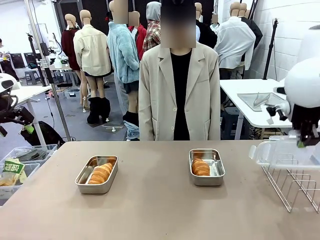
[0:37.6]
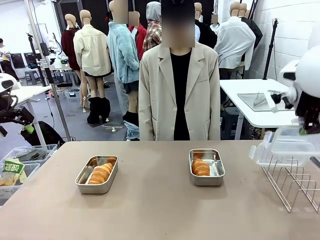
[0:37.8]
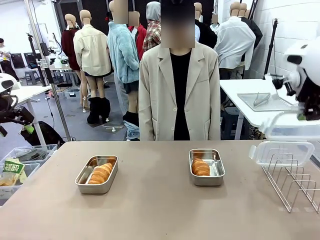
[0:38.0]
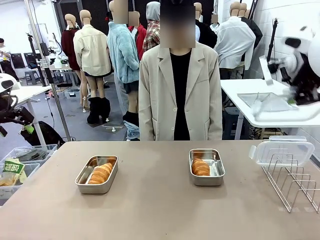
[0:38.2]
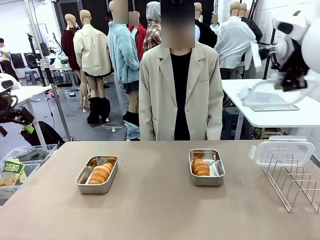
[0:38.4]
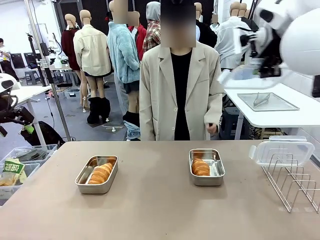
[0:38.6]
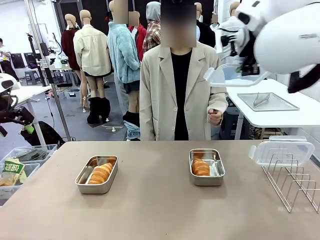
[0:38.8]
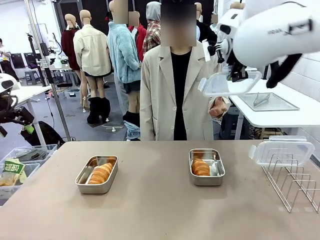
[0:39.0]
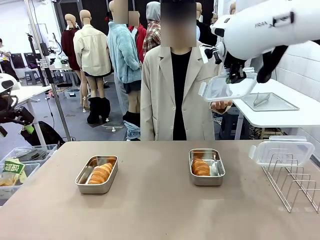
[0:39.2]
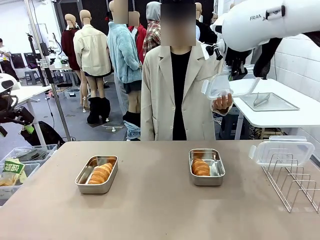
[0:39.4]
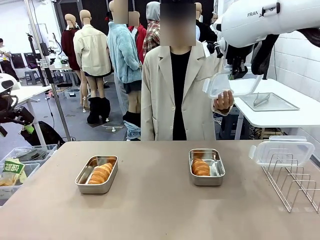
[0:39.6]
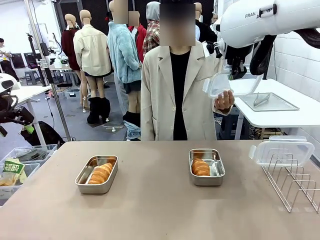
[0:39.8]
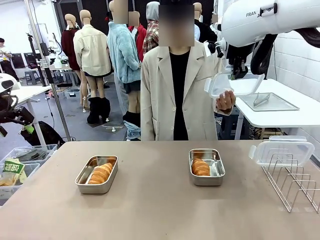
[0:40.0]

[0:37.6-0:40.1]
Task: Place the bread in airtight containers.
Robot: Release when the human grabs the Airtight Container lid.

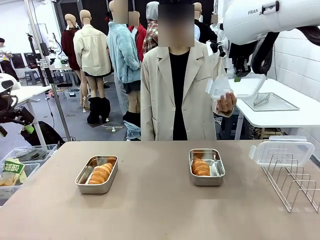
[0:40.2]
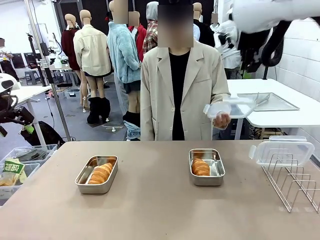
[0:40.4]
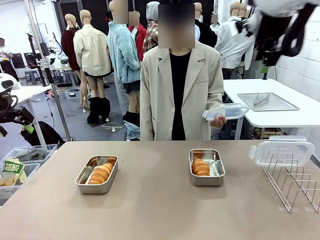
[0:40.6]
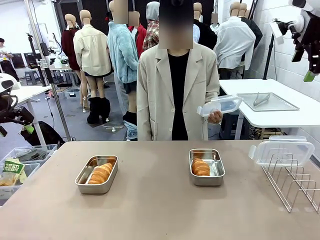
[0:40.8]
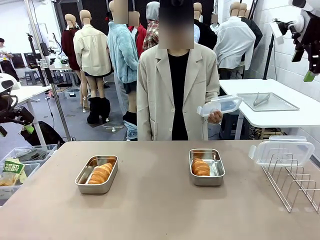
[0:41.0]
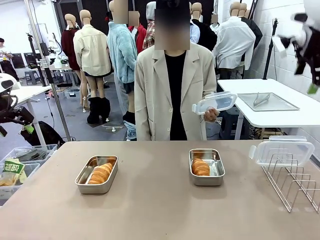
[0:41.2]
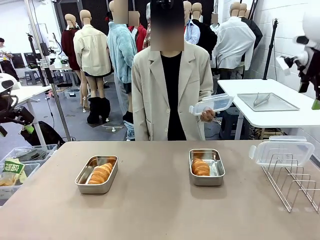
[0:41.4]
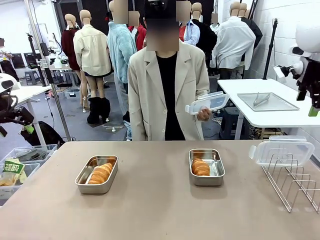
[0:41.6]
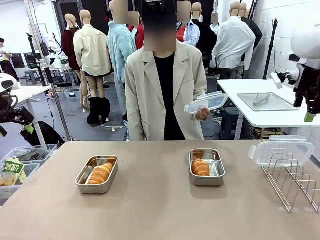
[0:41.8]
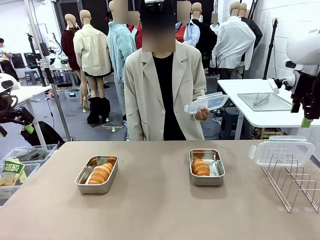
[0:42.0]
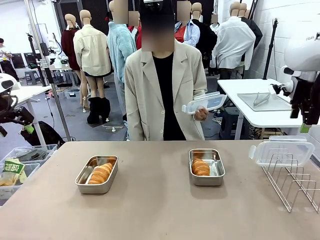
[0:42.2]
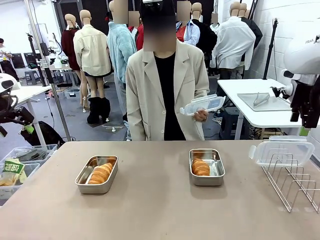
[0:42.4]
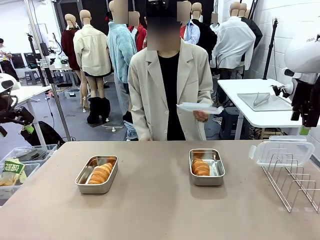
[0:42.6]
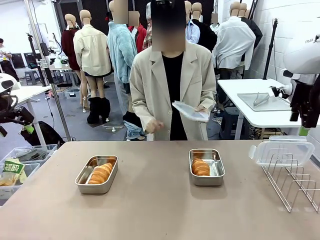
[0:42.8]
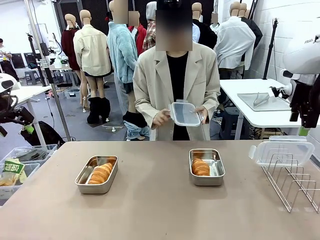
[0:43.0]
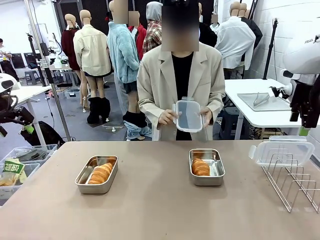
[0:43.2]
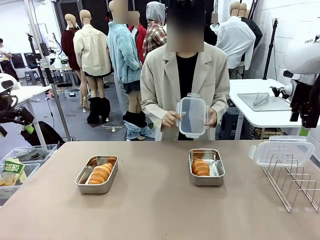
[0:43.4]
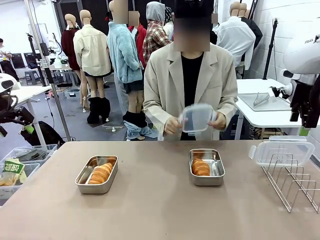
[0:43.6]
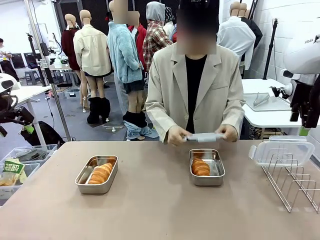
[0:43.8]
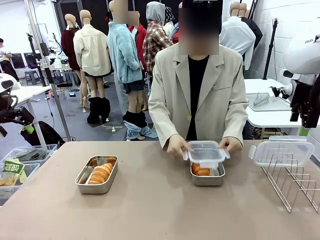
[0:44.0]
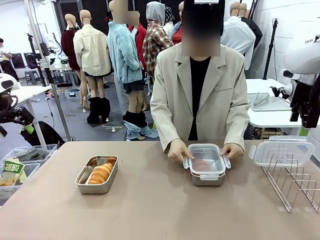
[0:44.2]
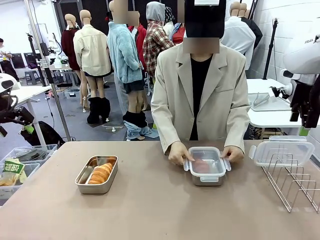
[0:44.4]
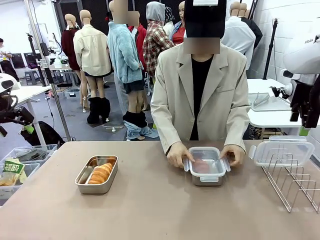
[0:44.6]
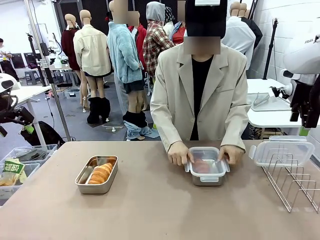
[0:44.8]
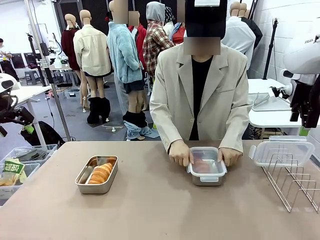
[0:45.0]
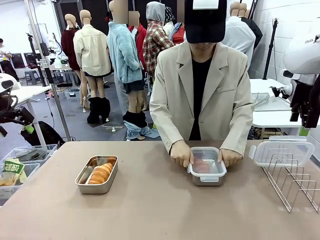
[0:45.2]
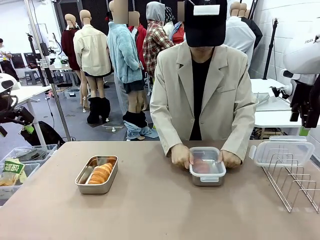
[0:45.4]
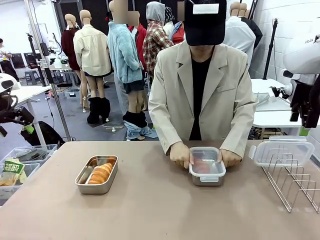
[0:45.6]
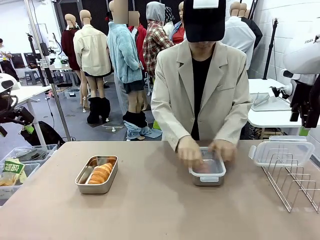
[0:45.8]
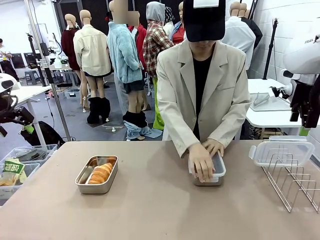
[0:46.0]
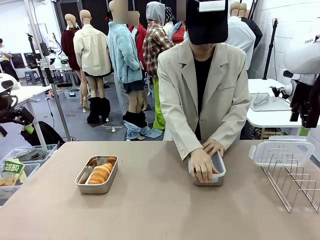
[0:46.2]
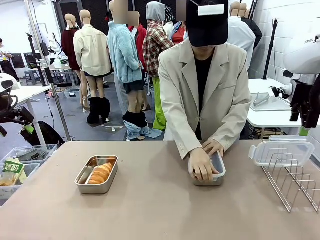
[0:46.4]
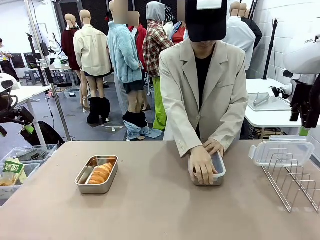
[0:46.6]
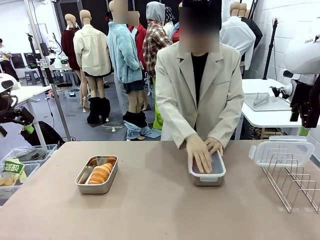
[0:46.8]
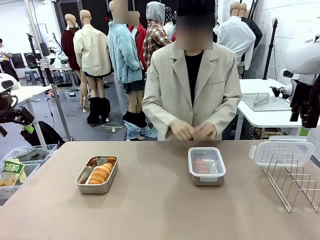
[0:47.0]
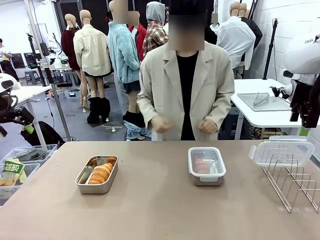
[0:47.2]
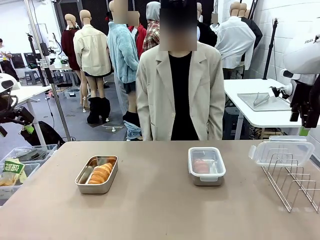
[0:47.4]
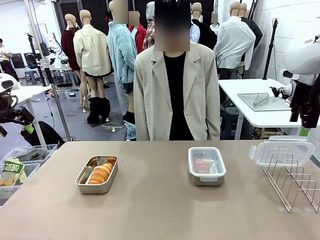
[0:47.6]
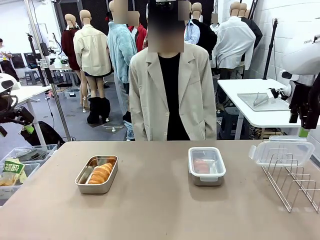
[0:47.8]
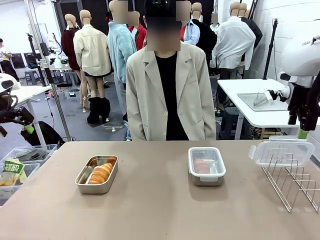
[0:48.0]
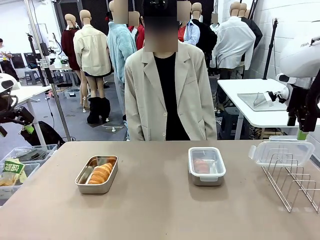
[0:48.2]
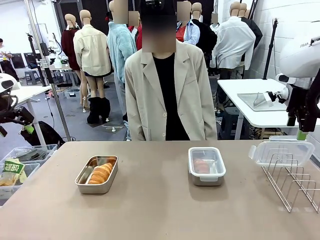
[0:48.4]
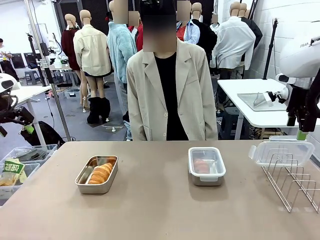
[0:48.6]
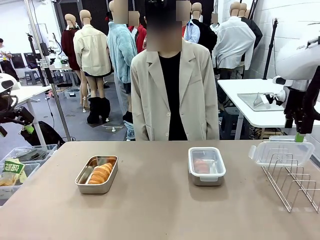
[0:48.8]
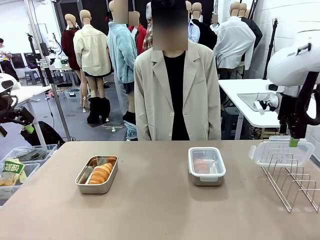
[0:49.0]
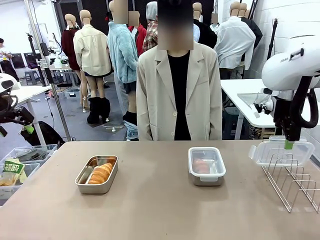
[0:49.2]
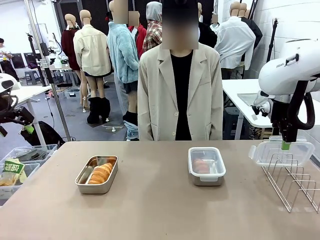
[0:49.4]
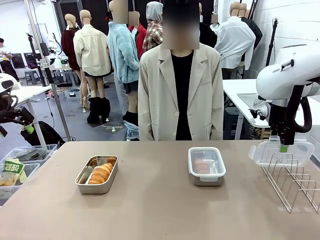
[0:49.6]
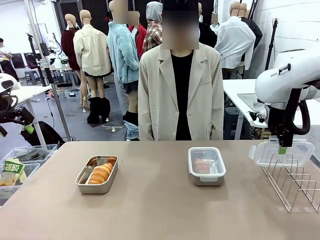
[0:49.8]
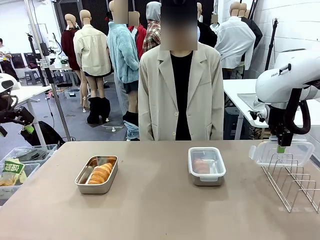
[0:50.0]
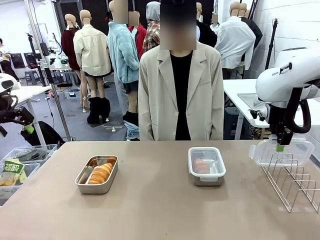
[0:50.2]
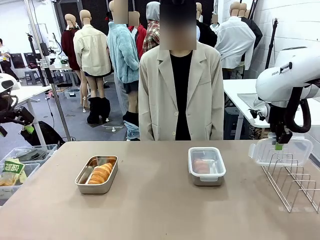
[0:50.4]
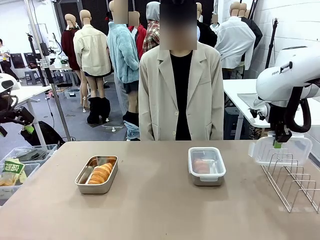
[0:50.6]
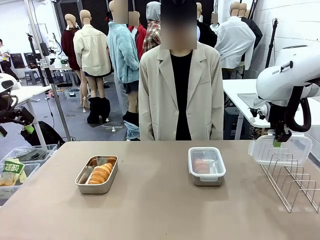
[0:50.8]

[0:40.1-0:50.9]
Robot: Pick up one Airtight Container lid and hand it to the human.
Person: Close Airtight Container with a handed Airtight Container lid.

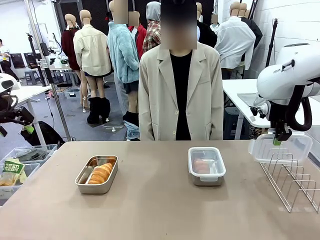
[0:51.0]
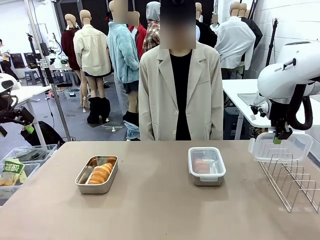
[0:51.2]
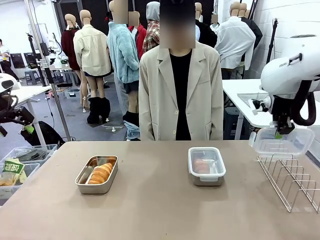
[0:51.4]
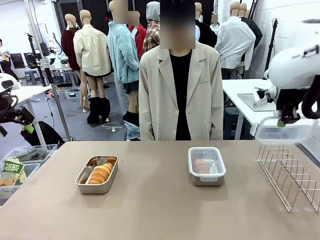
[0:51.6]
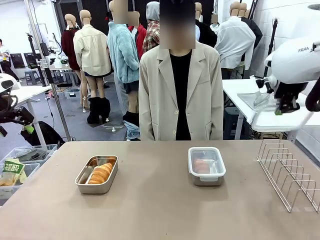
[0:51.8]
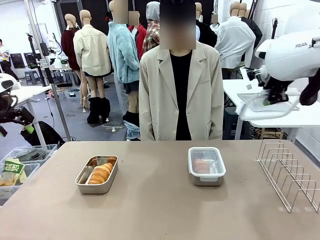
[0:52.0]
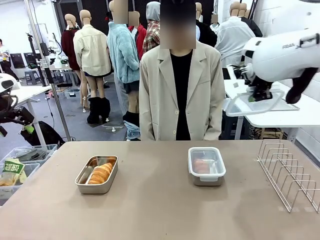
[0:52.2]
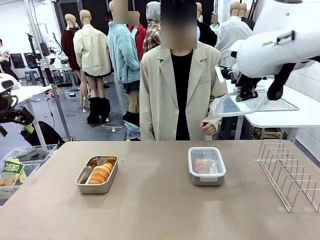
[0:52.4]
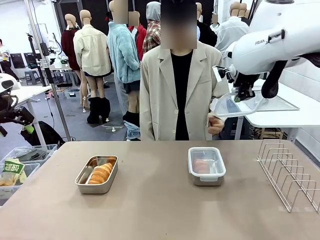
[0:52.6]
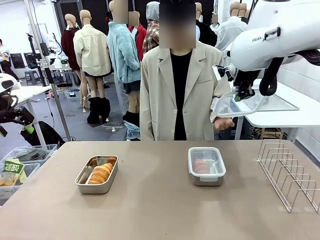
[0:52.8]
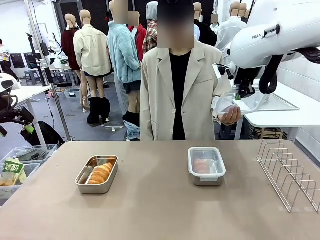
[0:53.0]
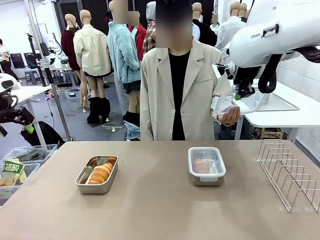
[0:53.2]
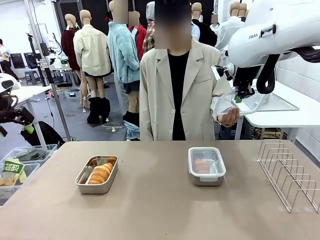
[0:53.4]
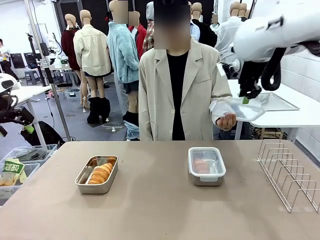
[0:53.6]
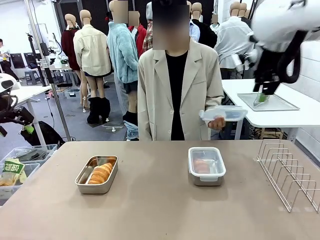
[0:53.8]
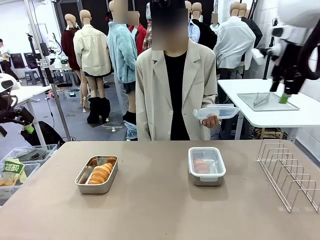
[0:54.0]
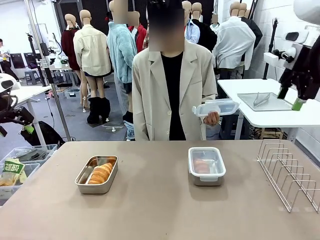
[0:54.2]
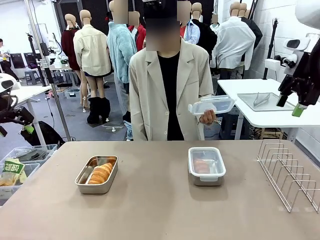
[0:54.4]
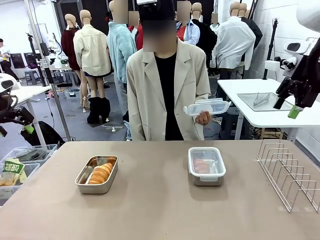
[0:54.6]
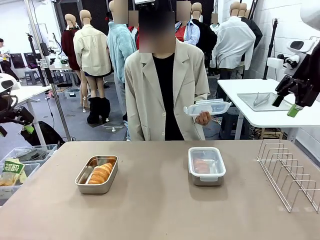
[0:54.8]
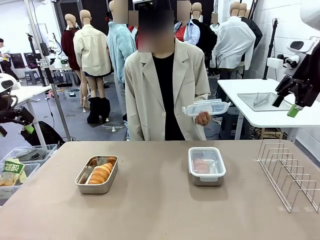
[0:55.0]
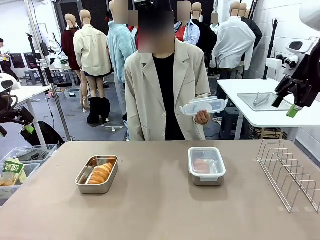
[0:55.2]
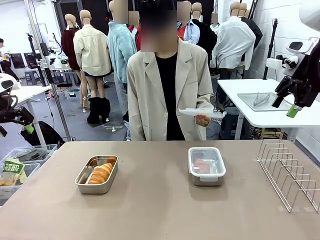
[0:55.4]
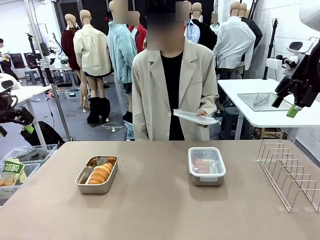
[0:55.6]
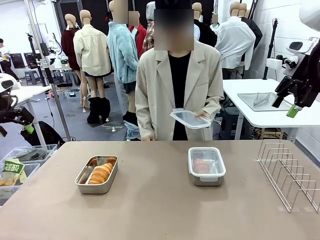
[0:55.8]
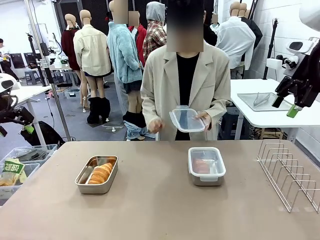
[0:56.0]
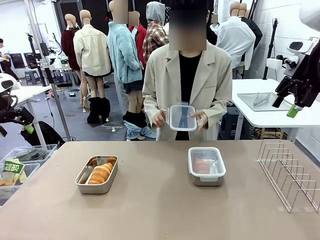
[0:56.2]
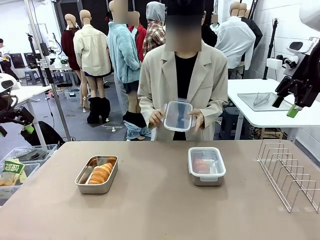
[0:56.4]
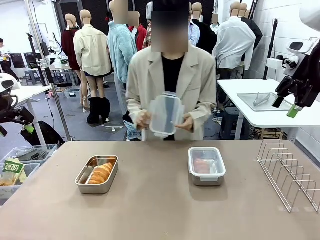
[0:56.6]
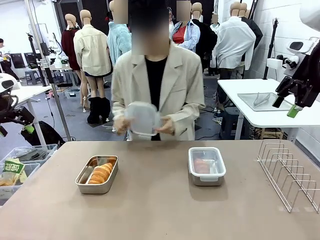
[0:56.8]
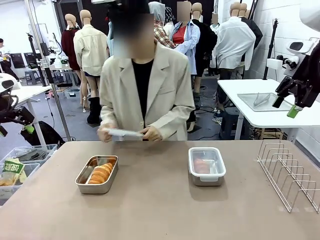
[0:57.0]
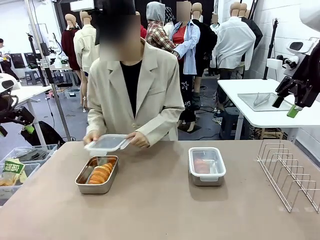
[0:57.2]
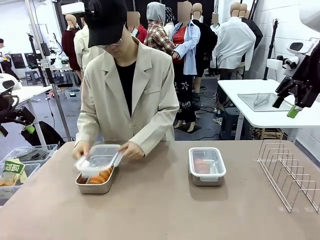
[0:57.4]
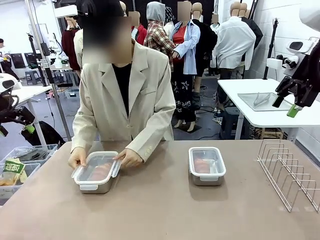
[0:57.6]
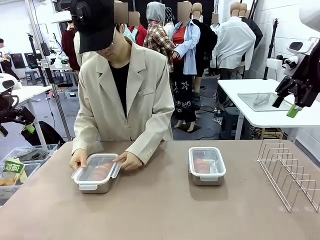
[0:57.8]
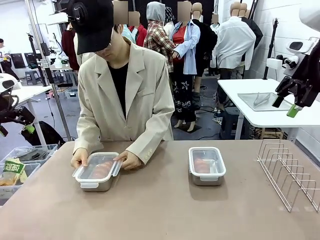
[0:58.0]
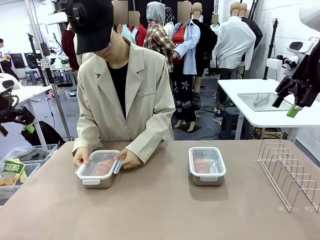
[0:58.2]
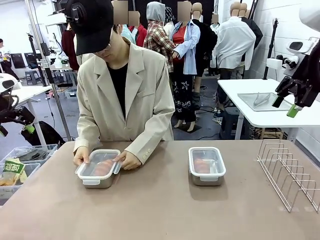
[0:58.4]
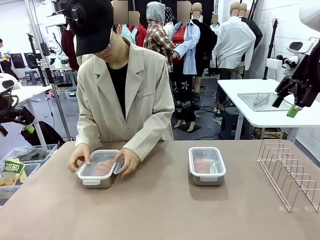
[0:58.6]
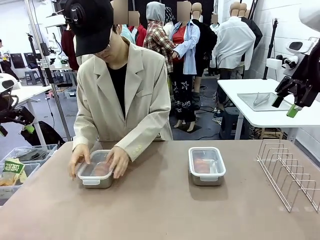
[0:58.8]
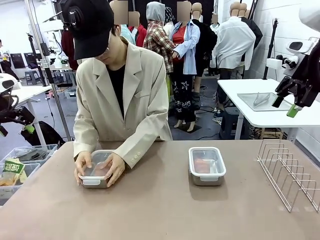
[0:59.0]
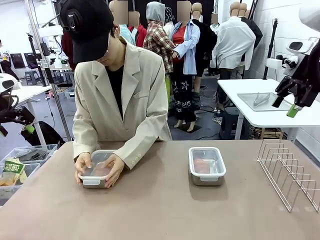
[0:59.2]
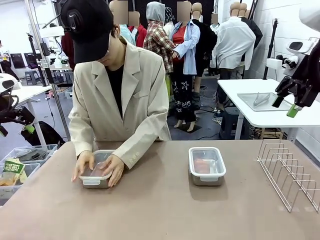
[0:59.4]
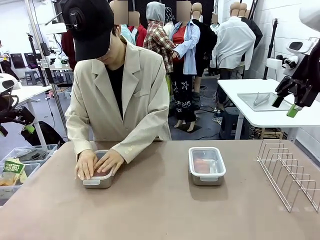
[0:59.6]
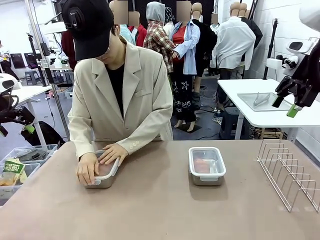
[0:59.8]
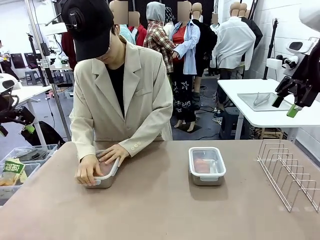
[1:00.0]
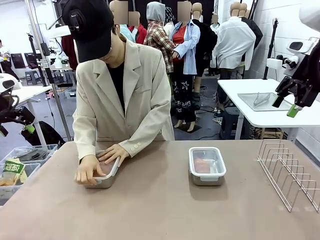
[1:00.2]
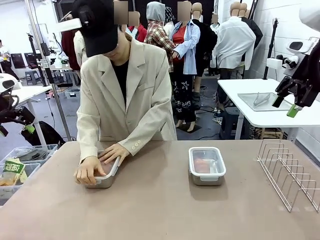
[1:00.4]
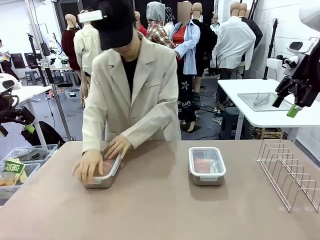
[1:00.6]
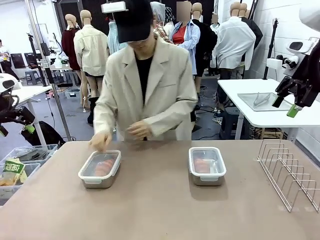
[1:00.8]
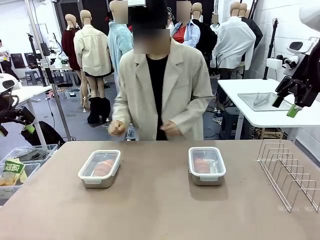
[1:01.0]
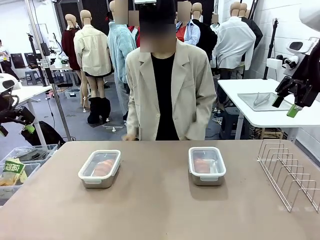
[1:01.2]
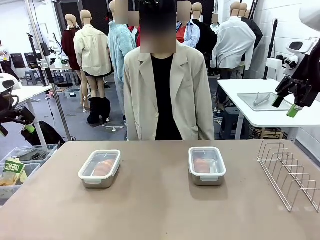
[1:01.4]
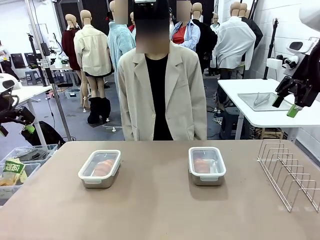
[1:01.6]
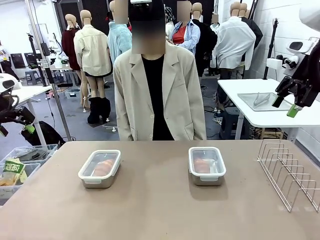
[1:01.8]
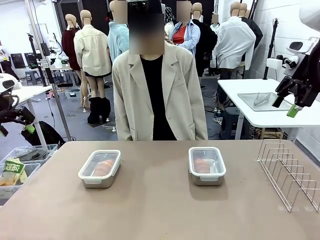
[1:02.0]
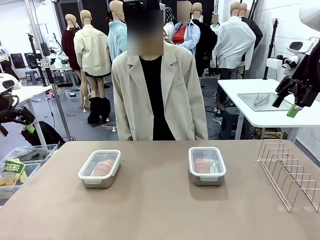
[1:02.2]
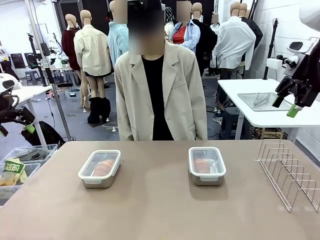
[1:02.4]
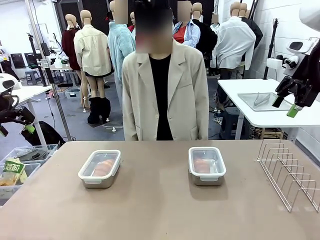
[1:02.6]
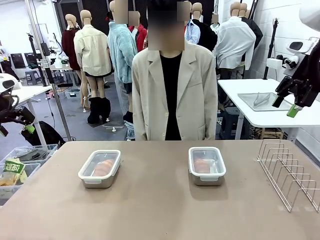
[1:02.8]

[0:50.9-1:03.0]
Robot: Release when the human grabs the Airtight Container lid.
Person: Grip Airtight Container lid that robot is handing. Close Airtight Container with a handed Airtight Container lid.
